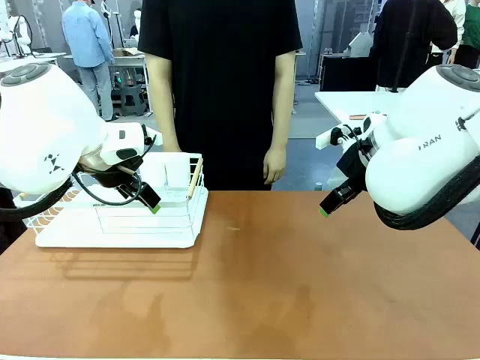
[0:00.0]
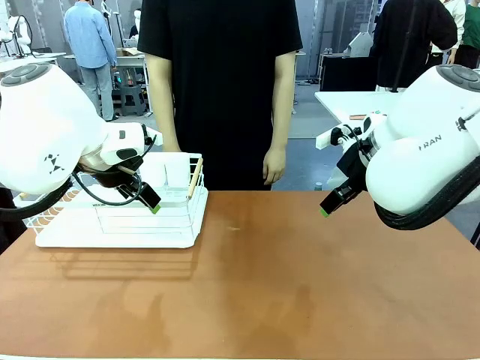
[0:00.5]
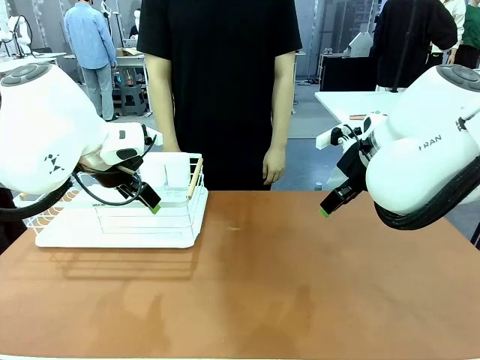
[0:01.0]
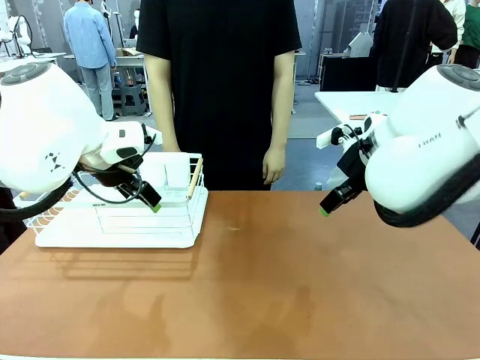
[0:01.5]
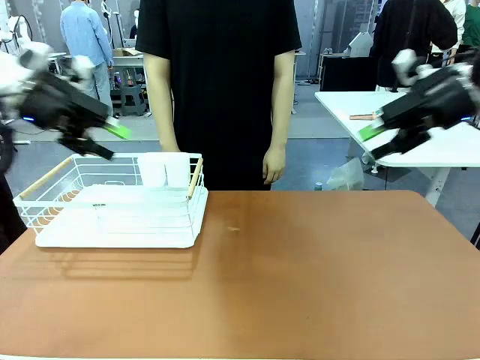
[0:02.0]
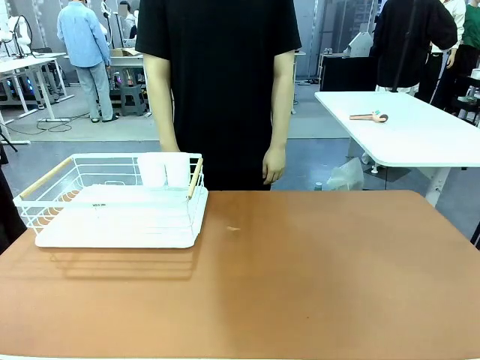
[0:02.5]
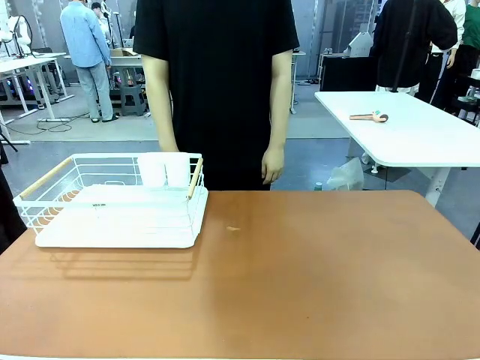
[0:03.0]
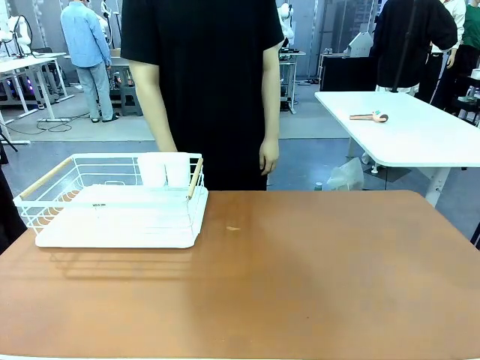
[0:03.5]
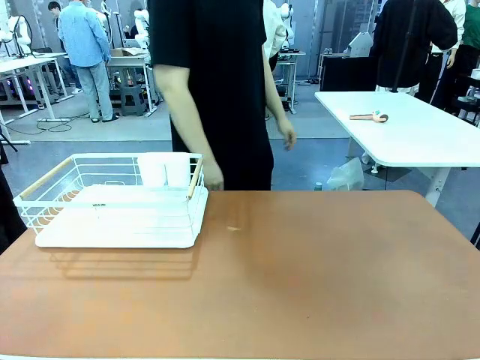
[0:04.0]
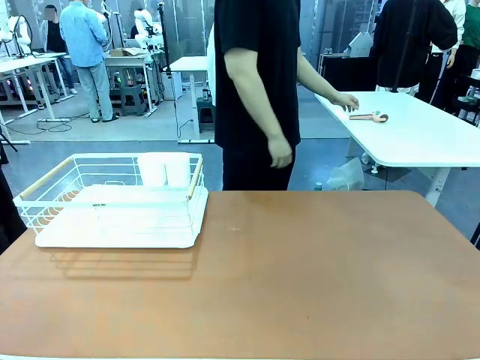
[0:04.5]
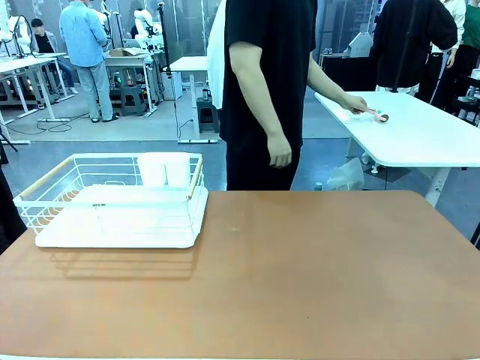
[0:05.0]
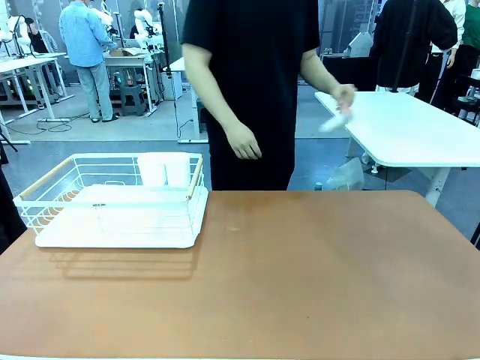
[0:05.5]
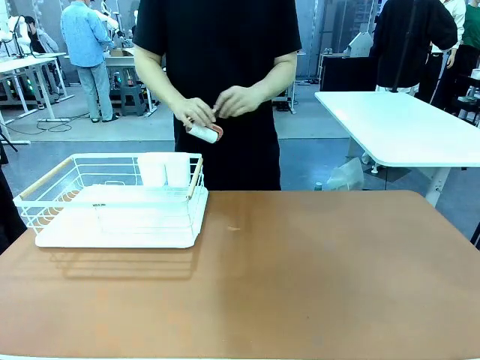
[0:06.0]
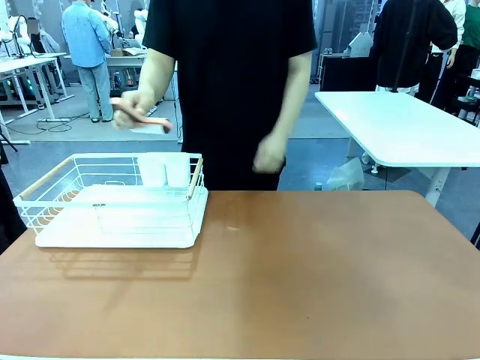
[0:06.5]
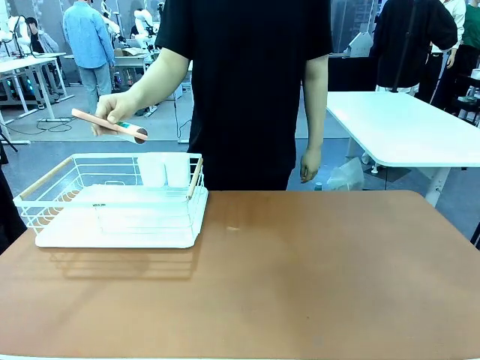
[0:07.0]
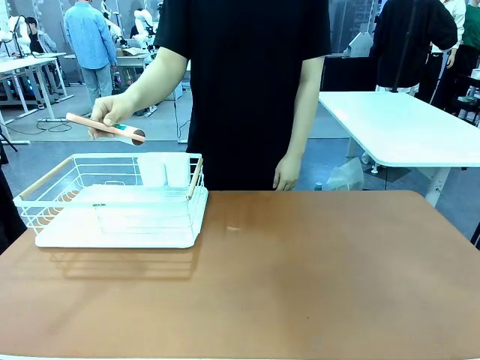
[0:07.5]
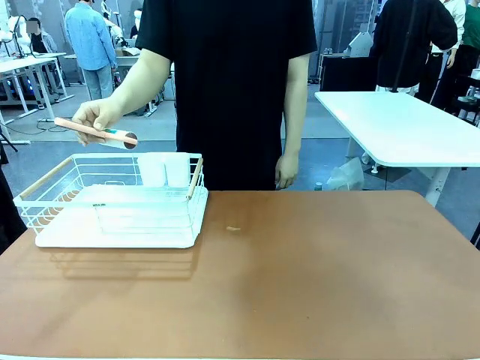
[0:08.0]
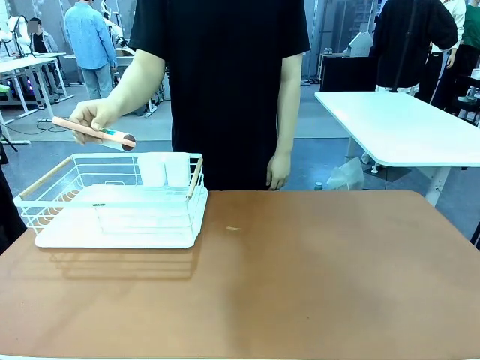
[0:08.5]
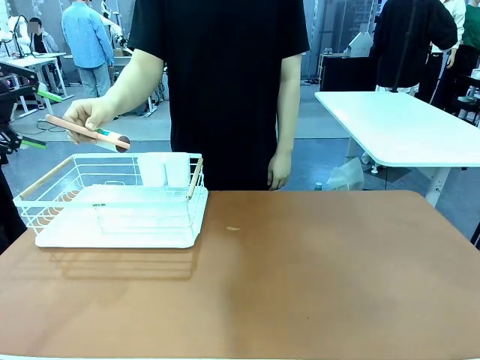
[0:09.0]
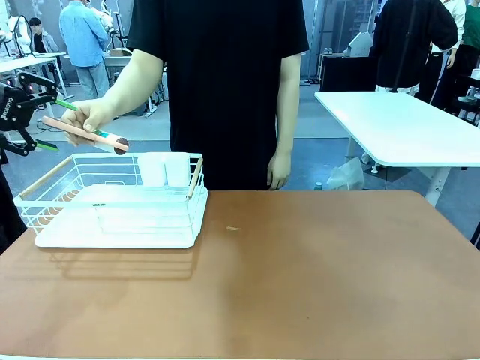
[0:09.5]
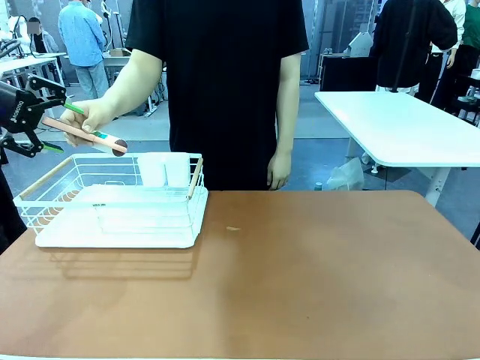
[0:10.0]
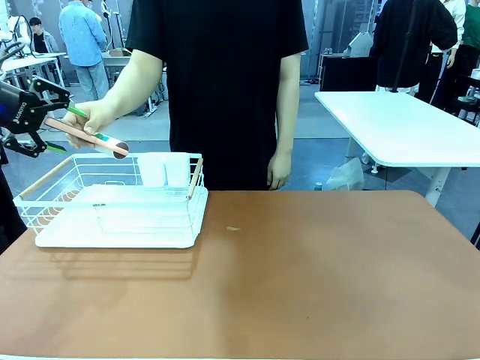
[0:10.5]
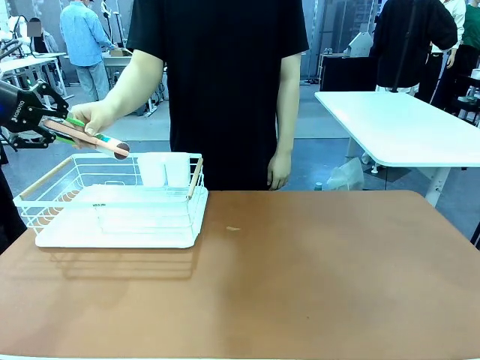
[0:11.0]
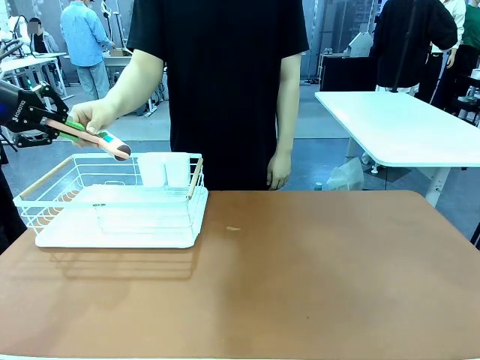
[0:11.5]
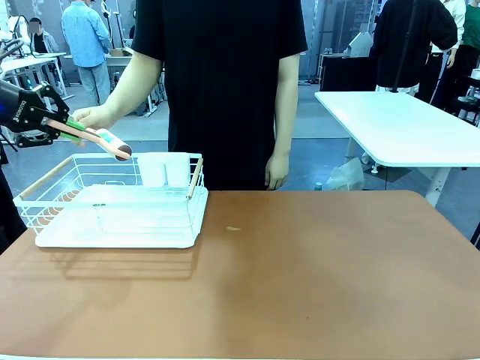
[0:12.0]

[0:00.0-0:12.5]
Task: Clean the table.
Robot: Pick up the Lint Roller when the human hands it over.
Person: Hand the Lint Roller to the robot so it can easily pick it up. Lift the Dish drying rack.

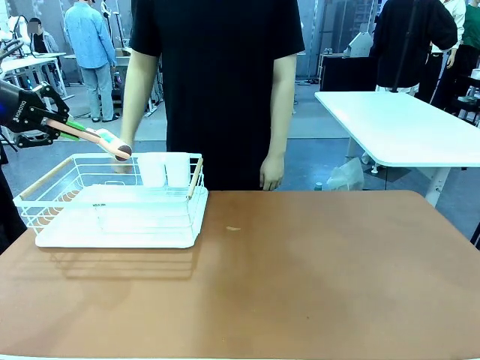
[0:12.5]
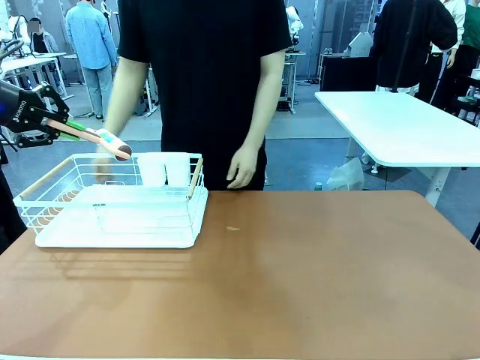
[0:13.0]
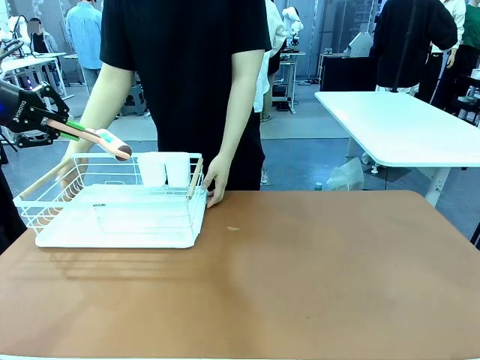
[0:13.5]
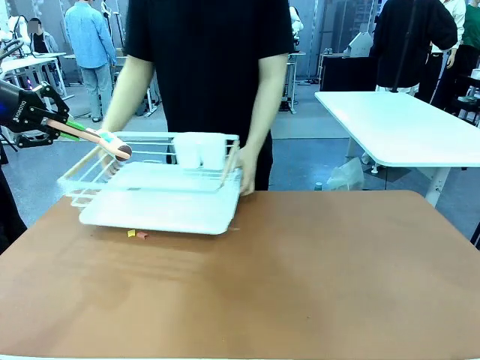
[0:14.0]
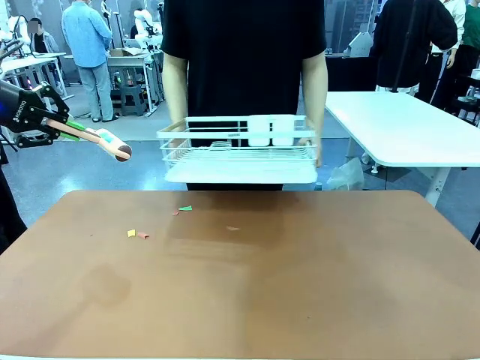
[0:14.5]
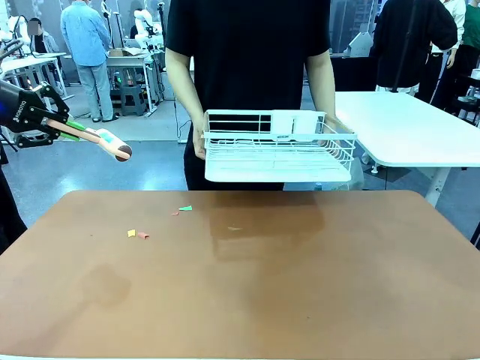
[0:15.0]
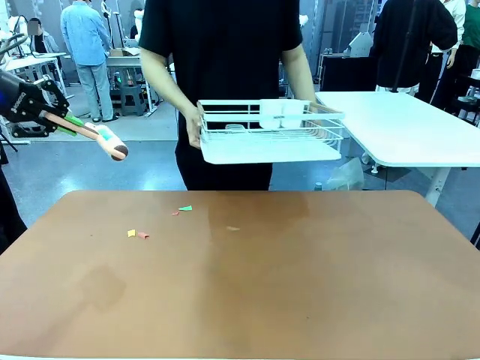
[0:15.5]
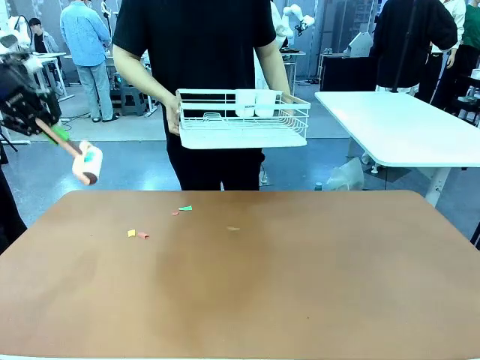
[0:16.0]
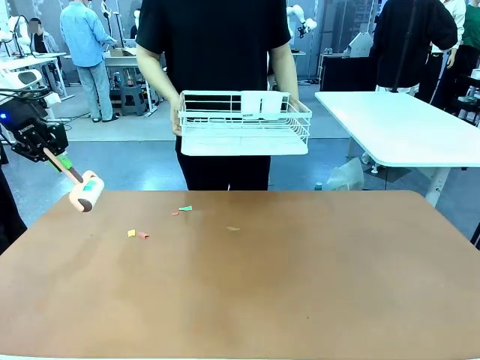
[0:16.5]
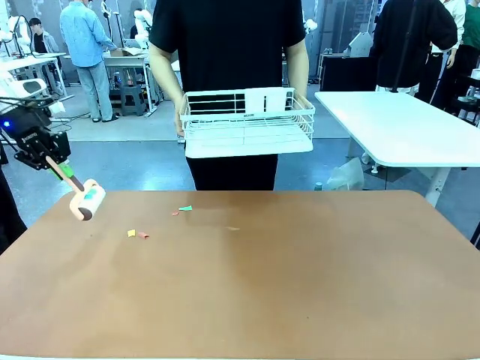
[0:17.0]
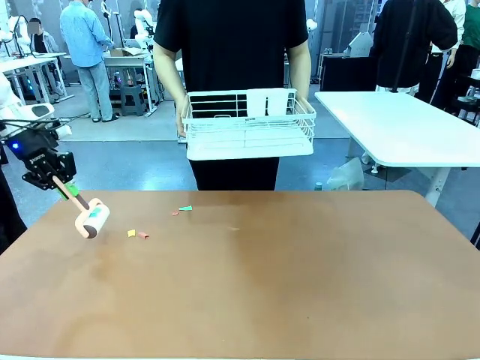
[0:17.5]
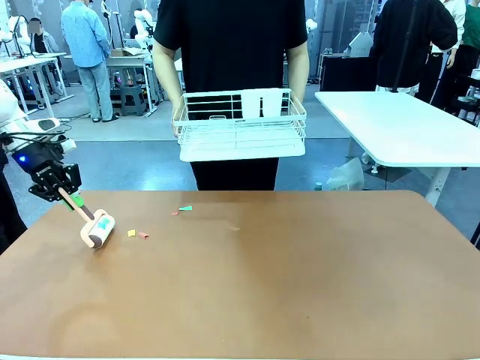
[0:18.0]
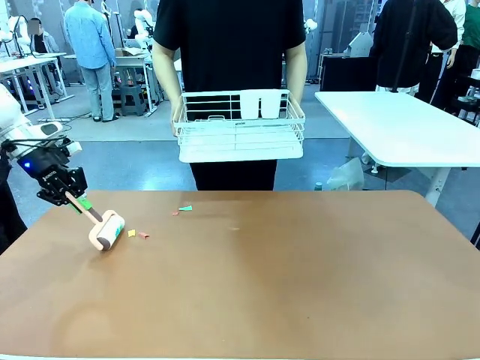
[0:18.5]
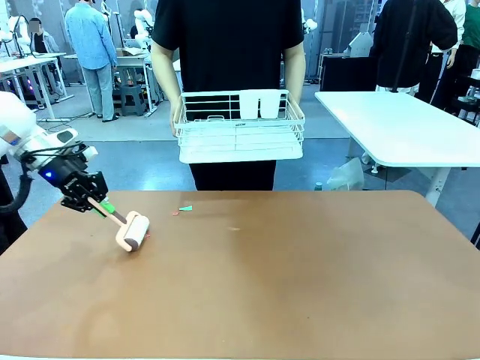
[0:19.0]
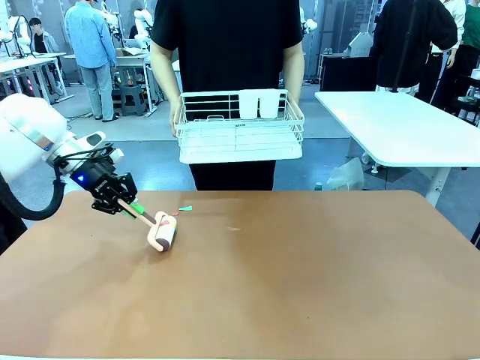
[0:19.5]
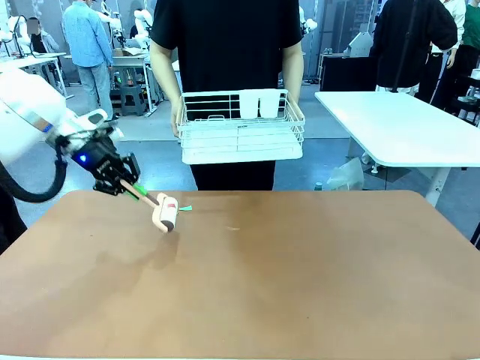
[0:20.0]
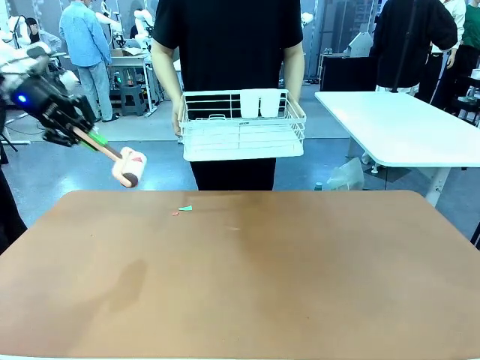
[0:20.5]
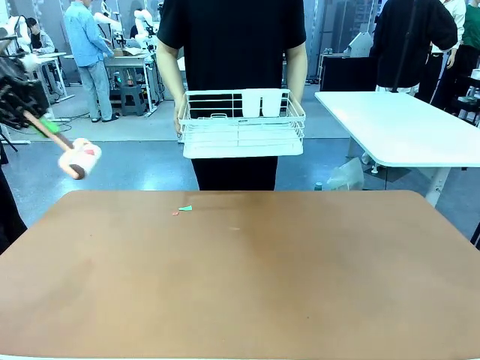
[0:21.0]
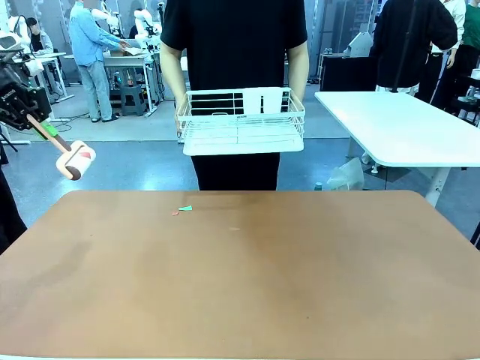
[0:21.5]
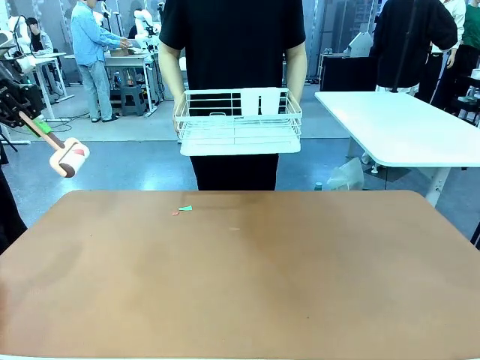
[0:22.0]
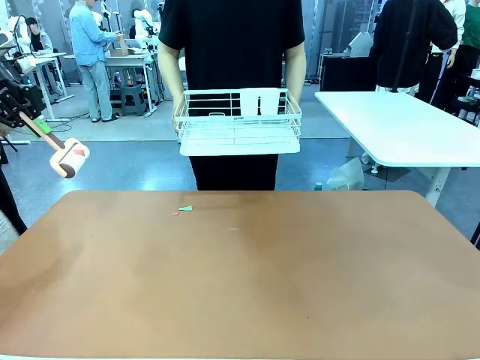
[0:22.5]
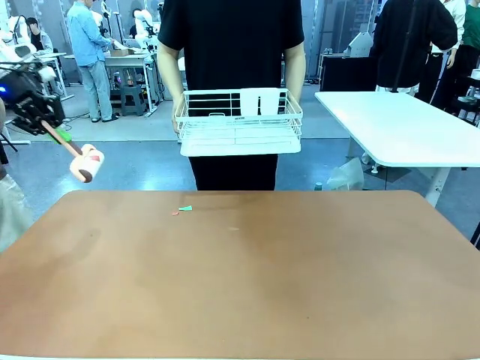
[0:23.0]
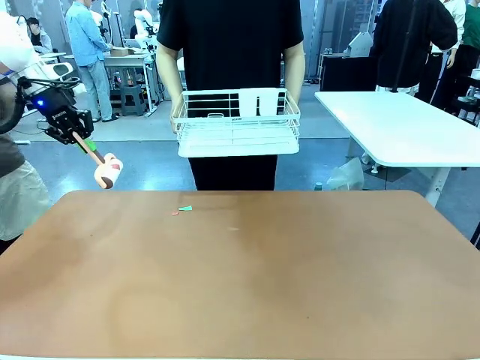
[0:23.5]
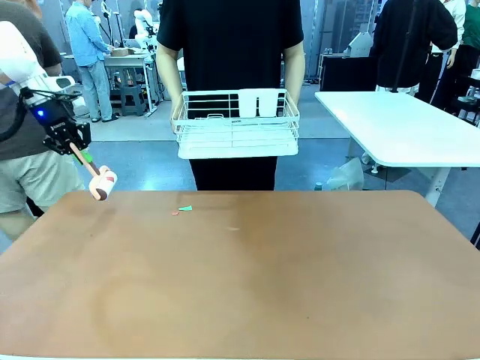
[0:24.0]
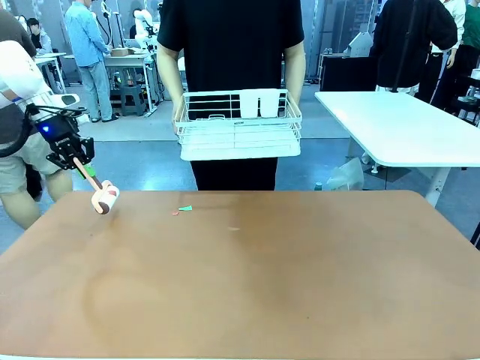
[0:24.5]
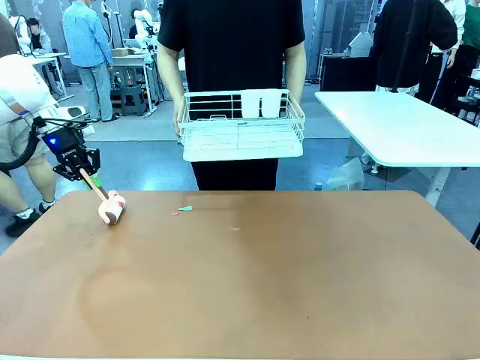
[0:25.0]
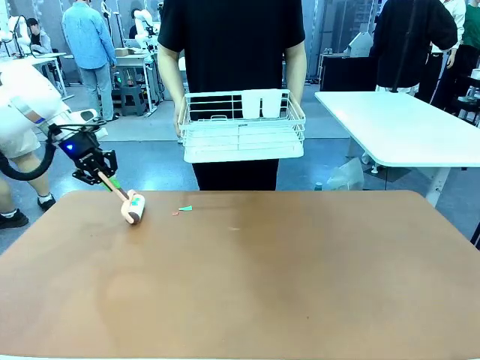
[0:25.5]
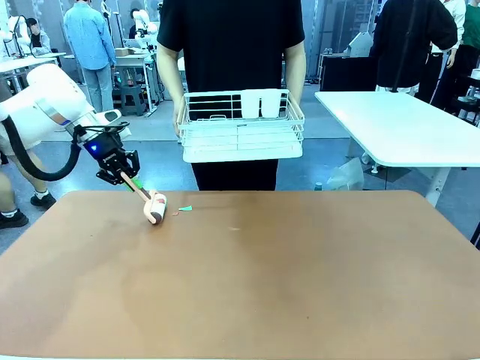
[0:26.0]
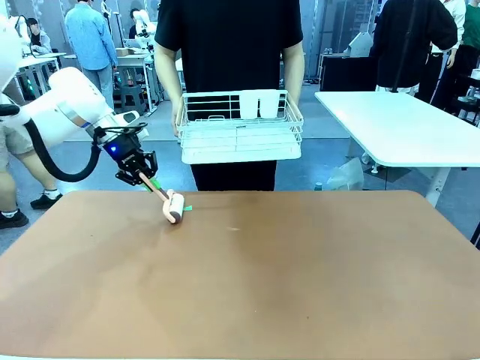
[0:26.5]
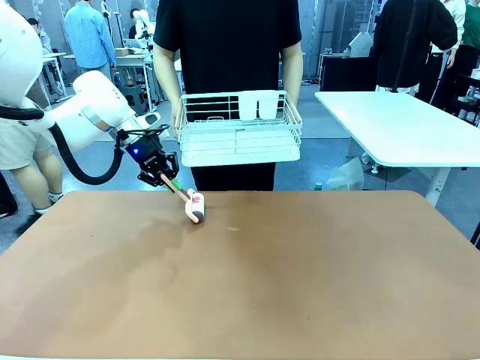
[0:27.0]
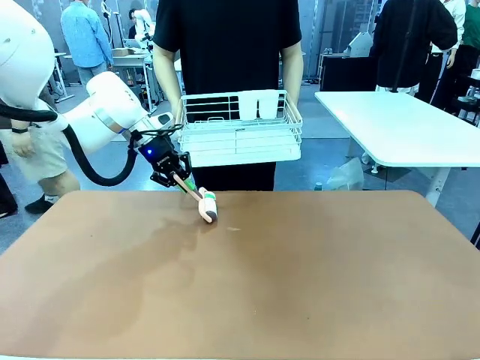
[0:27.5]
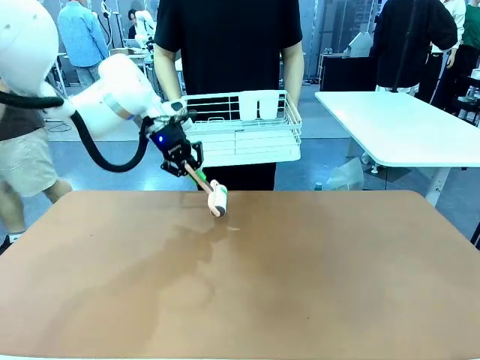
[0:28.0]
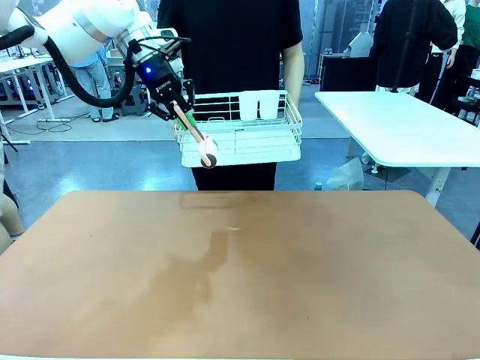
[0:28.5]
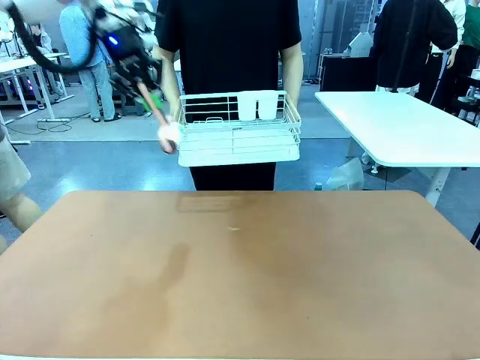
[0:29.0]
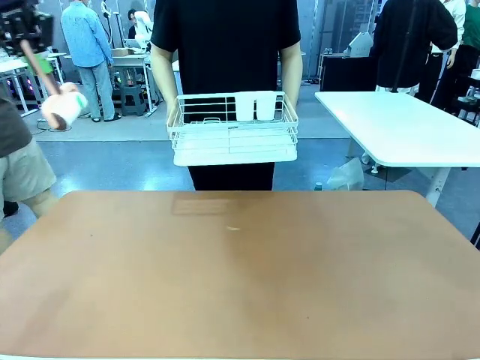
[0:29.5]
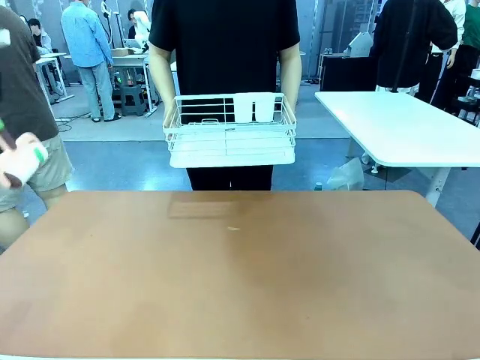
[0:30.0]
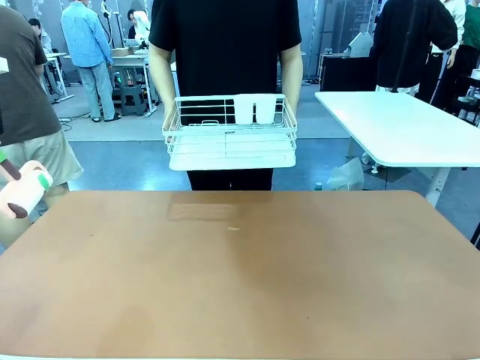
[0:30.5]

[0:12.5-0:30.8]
Robot: Clean the table with the Lint Roller when the human lifts the Dish drying rack.
Person: Place the Dish drying rack down when the robot finishes cleaning.
